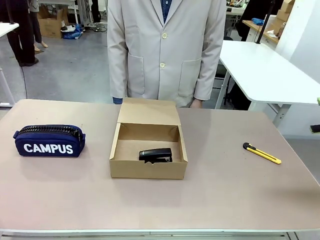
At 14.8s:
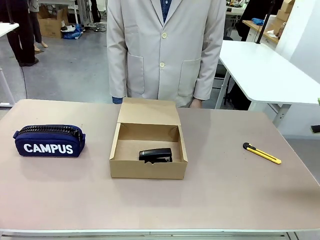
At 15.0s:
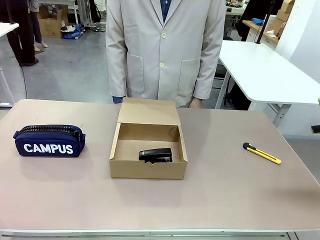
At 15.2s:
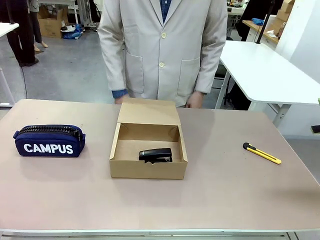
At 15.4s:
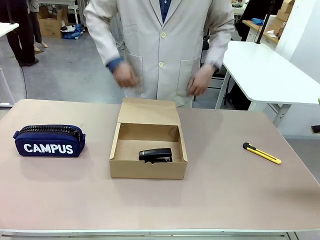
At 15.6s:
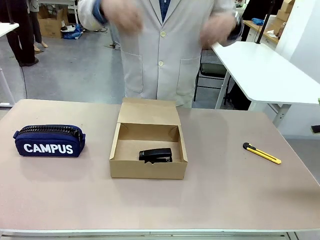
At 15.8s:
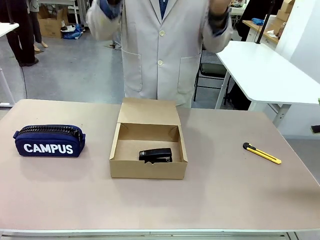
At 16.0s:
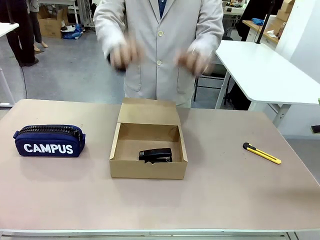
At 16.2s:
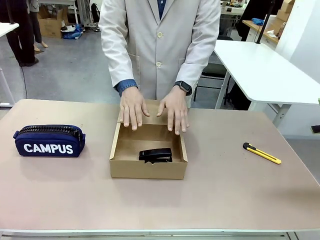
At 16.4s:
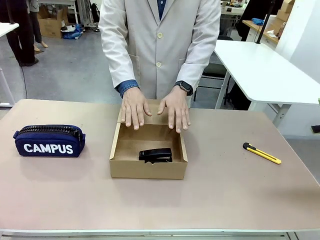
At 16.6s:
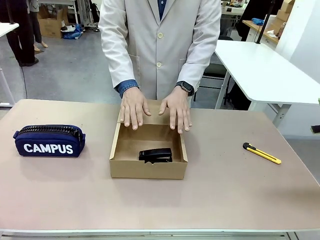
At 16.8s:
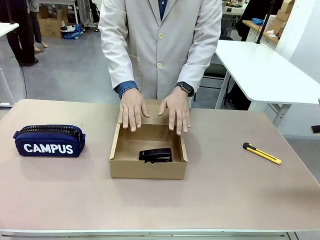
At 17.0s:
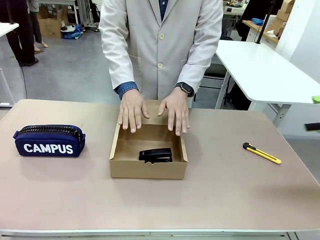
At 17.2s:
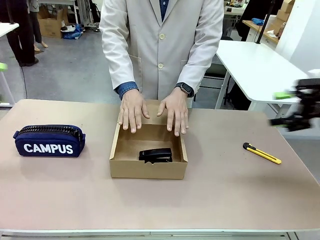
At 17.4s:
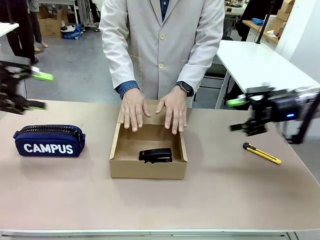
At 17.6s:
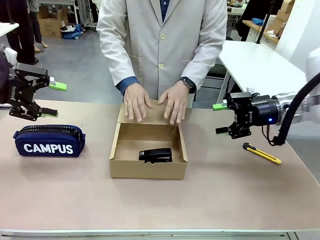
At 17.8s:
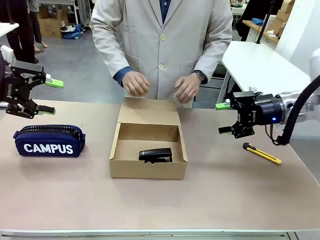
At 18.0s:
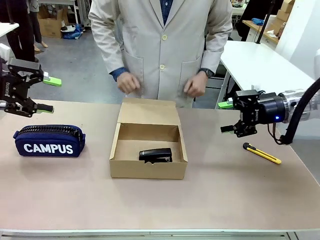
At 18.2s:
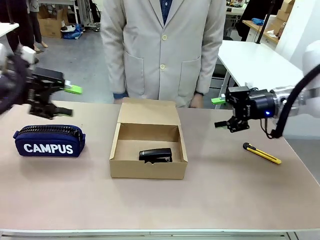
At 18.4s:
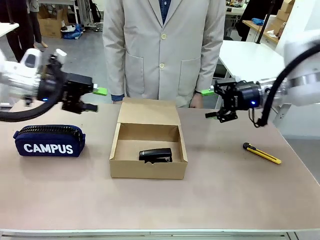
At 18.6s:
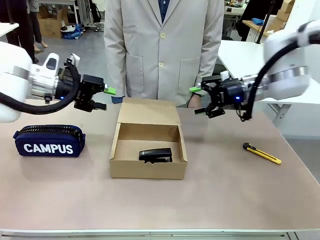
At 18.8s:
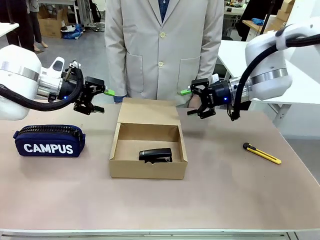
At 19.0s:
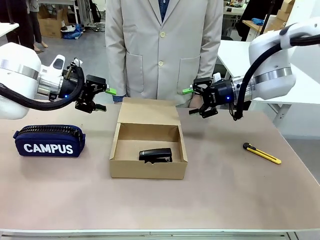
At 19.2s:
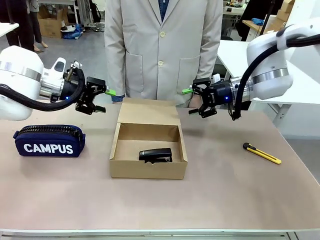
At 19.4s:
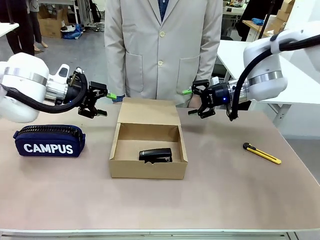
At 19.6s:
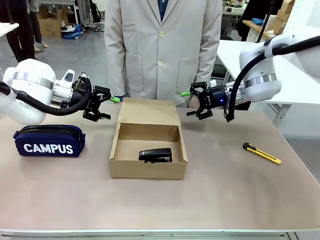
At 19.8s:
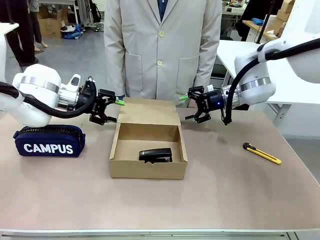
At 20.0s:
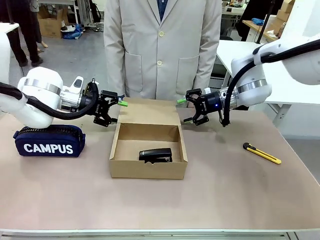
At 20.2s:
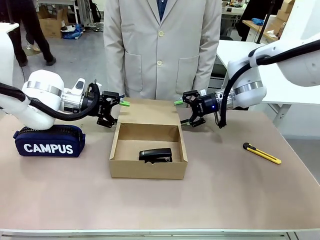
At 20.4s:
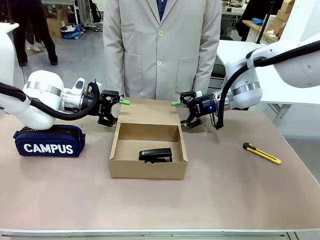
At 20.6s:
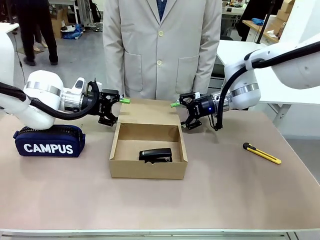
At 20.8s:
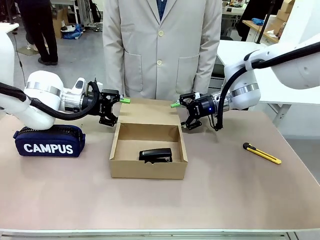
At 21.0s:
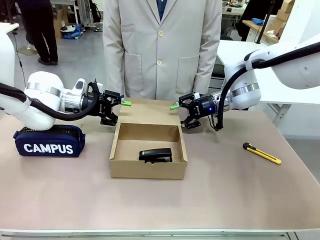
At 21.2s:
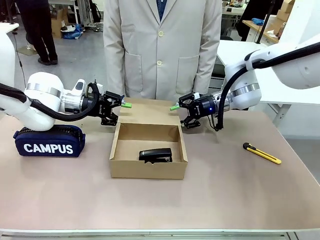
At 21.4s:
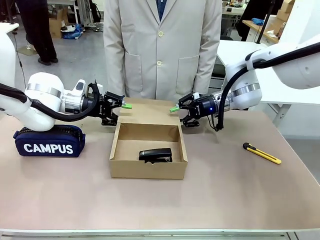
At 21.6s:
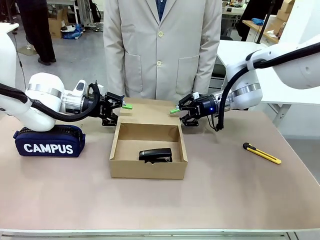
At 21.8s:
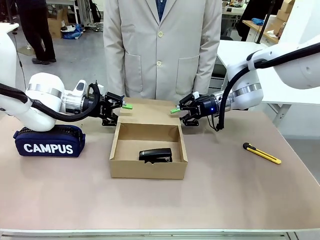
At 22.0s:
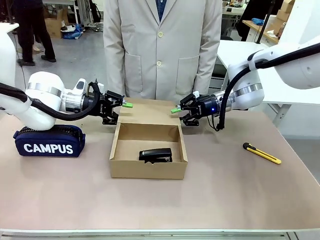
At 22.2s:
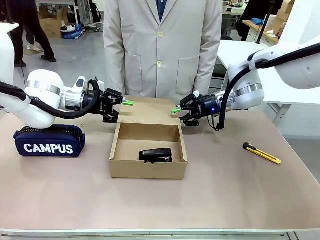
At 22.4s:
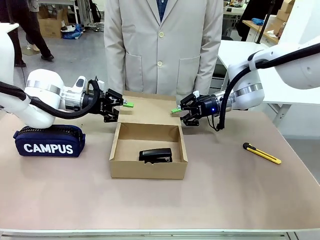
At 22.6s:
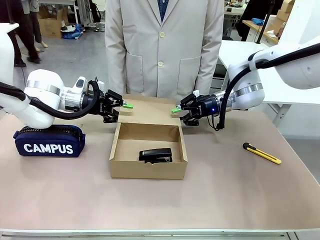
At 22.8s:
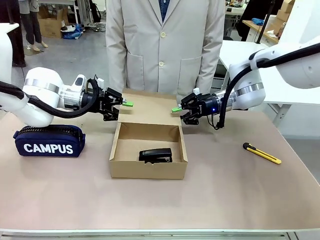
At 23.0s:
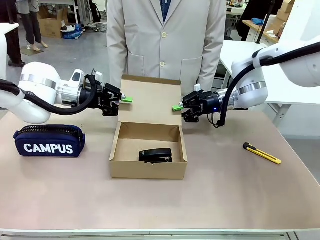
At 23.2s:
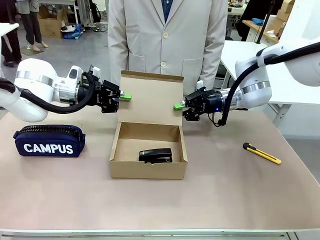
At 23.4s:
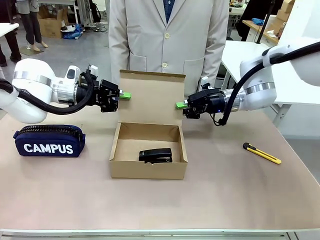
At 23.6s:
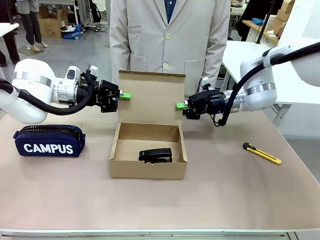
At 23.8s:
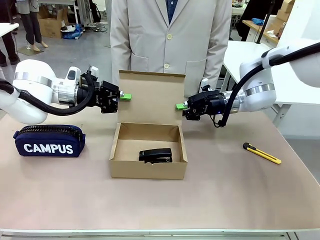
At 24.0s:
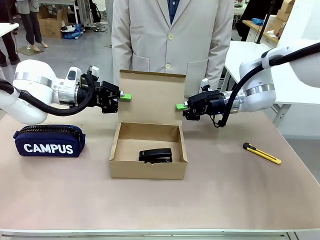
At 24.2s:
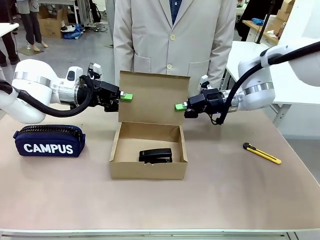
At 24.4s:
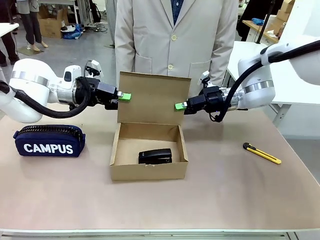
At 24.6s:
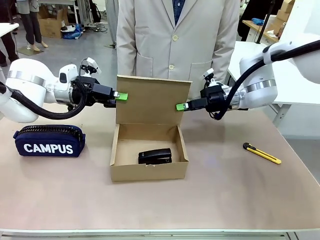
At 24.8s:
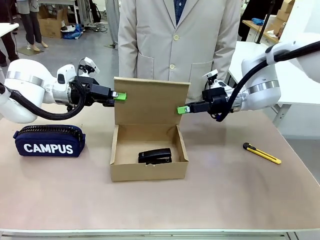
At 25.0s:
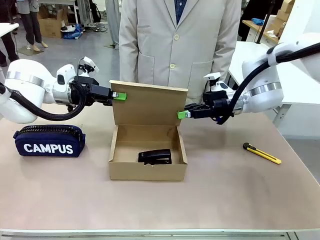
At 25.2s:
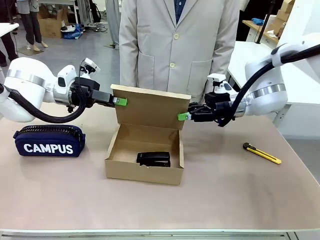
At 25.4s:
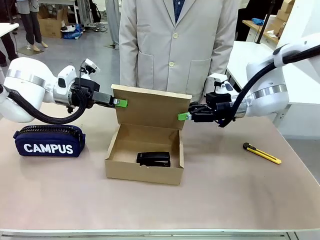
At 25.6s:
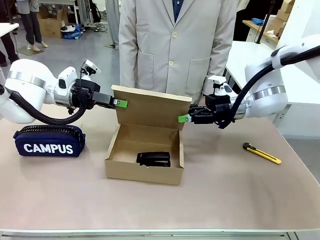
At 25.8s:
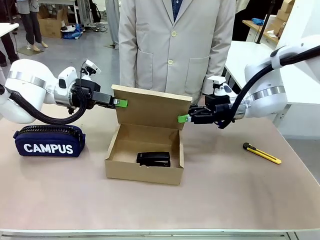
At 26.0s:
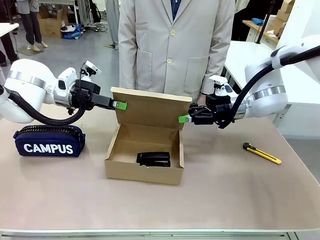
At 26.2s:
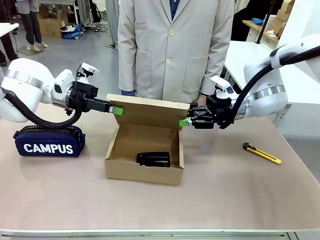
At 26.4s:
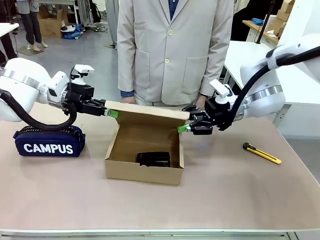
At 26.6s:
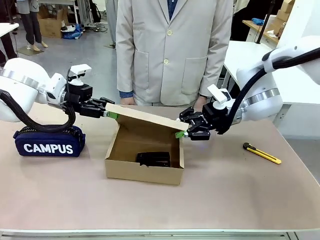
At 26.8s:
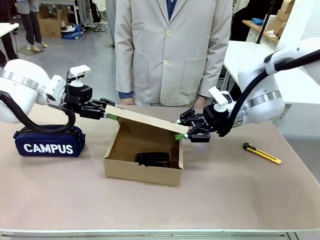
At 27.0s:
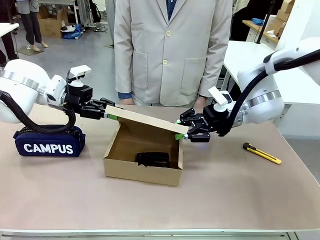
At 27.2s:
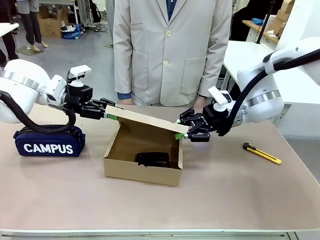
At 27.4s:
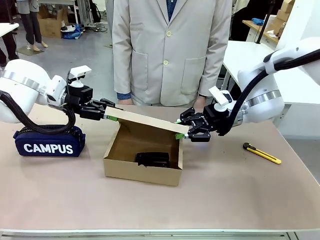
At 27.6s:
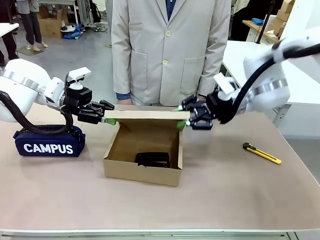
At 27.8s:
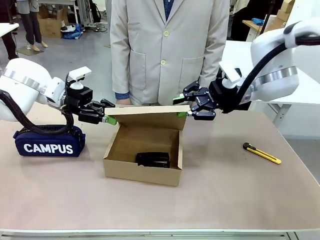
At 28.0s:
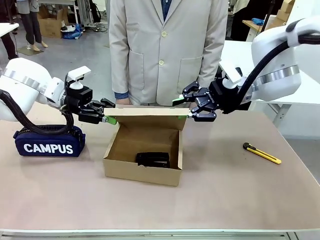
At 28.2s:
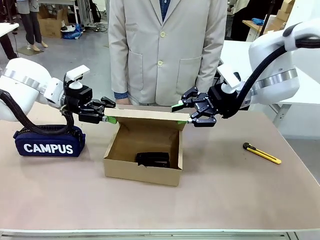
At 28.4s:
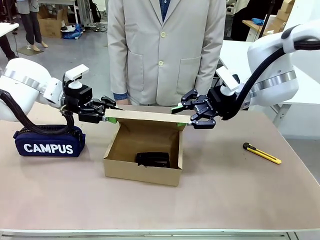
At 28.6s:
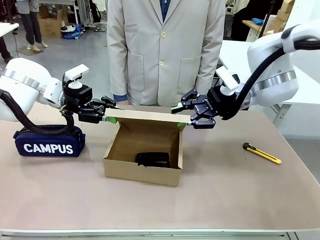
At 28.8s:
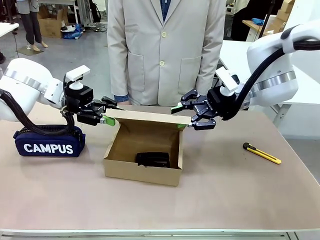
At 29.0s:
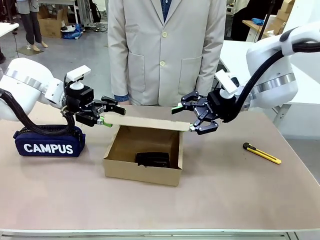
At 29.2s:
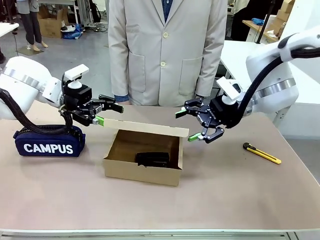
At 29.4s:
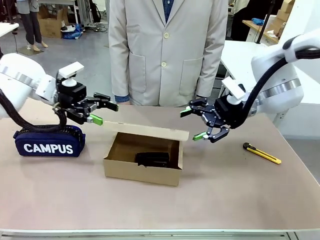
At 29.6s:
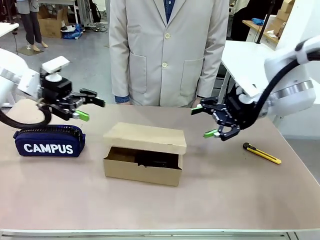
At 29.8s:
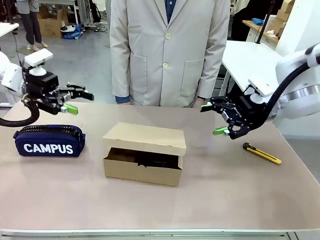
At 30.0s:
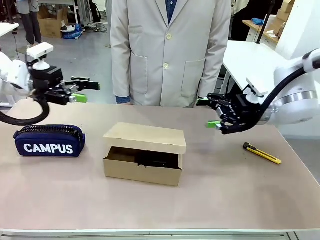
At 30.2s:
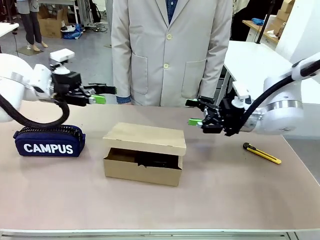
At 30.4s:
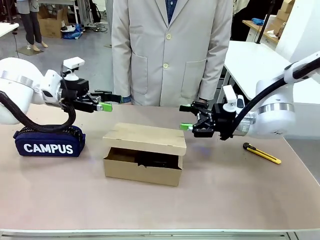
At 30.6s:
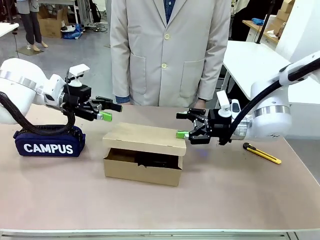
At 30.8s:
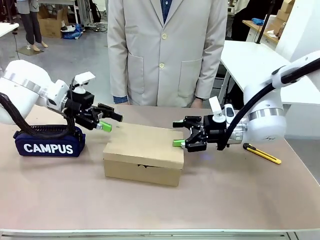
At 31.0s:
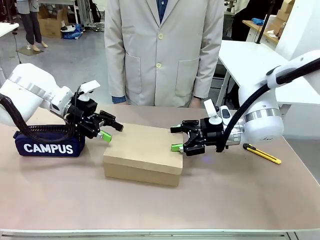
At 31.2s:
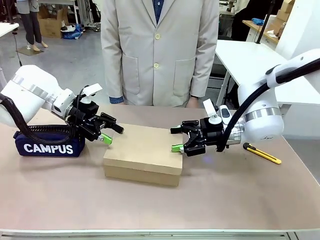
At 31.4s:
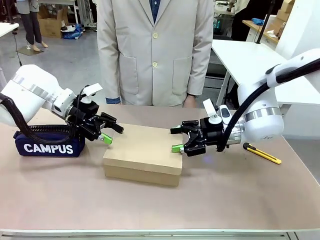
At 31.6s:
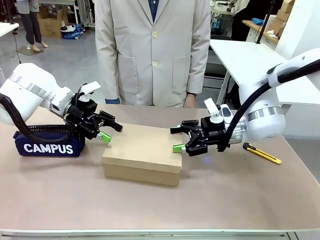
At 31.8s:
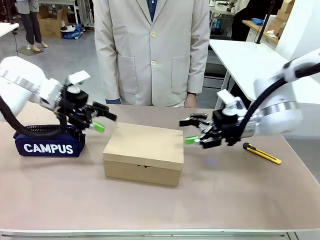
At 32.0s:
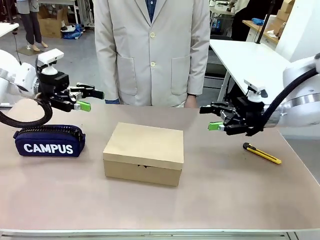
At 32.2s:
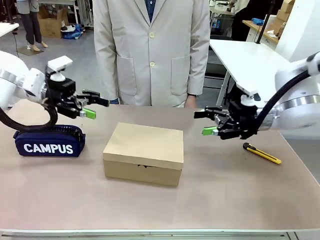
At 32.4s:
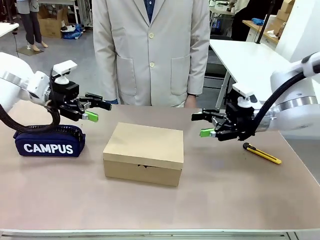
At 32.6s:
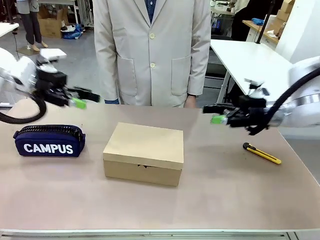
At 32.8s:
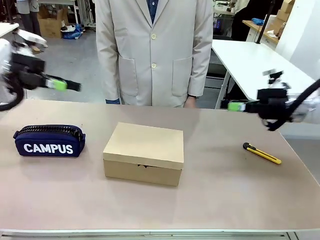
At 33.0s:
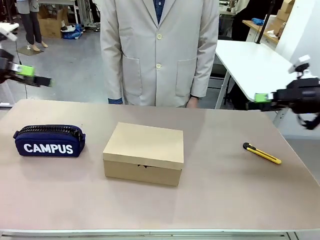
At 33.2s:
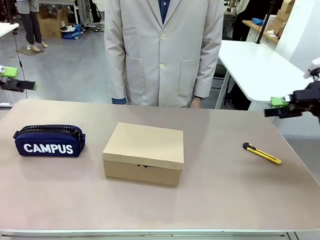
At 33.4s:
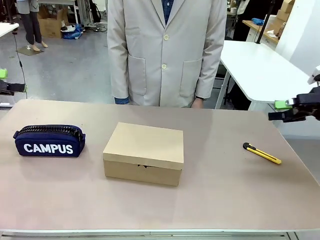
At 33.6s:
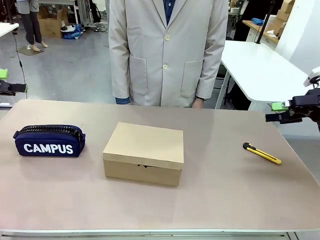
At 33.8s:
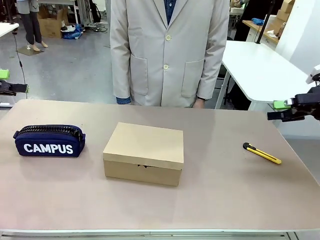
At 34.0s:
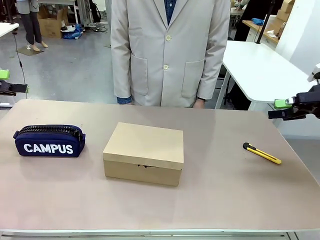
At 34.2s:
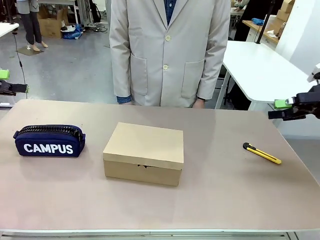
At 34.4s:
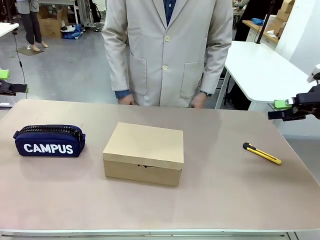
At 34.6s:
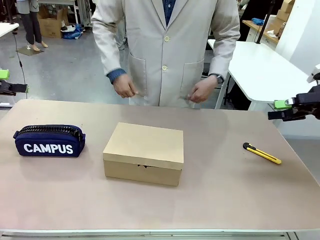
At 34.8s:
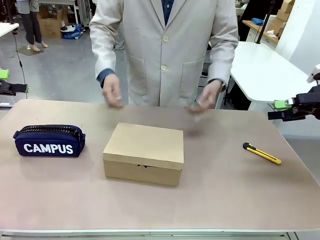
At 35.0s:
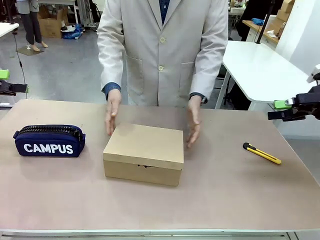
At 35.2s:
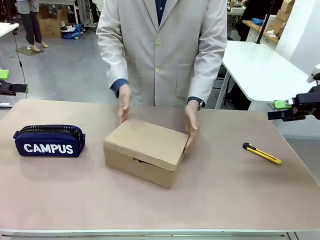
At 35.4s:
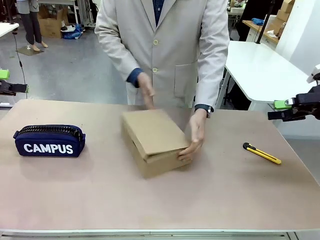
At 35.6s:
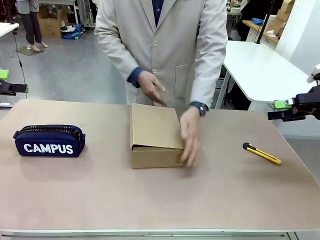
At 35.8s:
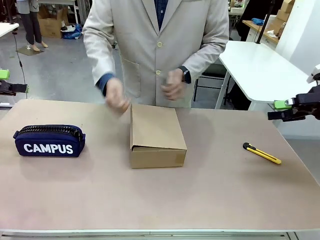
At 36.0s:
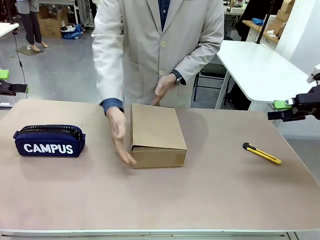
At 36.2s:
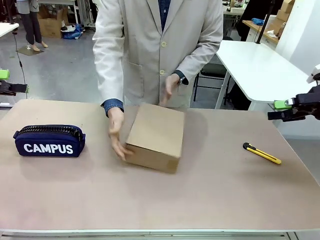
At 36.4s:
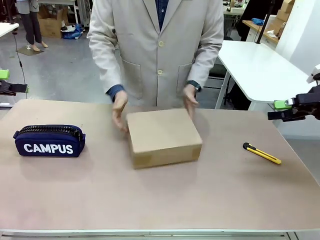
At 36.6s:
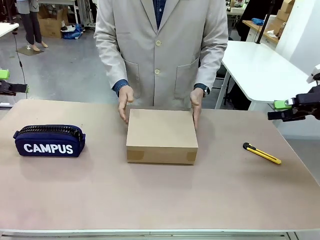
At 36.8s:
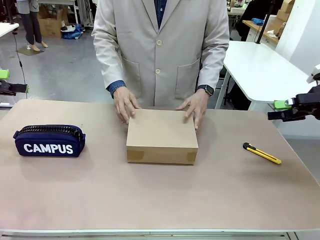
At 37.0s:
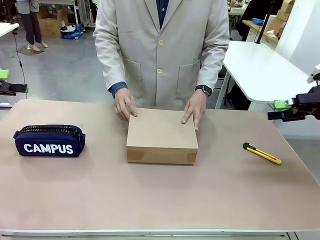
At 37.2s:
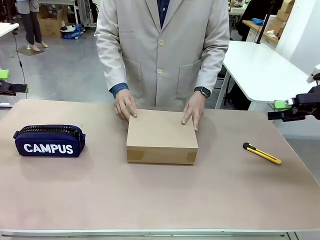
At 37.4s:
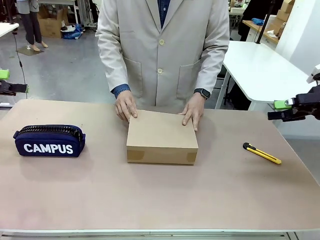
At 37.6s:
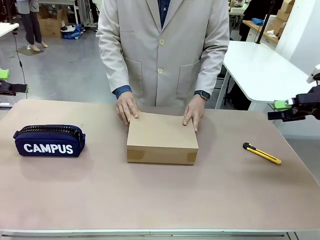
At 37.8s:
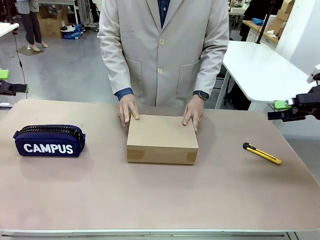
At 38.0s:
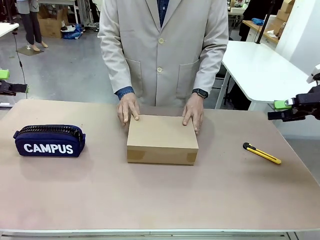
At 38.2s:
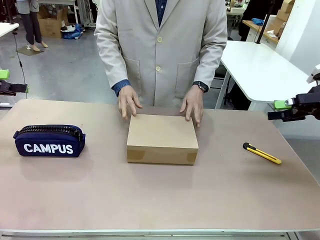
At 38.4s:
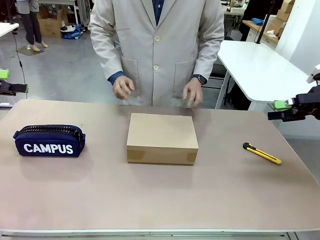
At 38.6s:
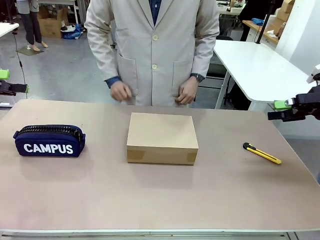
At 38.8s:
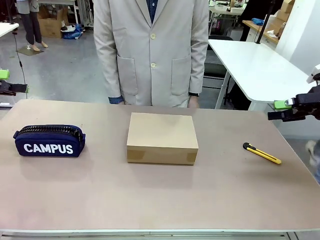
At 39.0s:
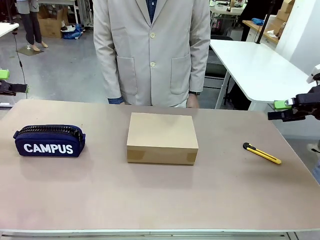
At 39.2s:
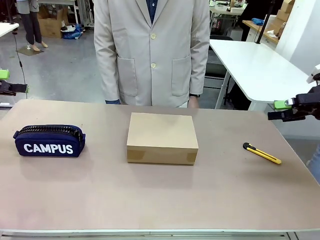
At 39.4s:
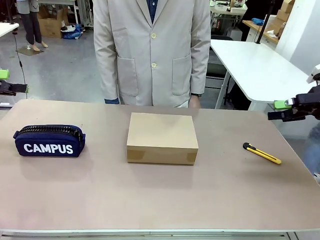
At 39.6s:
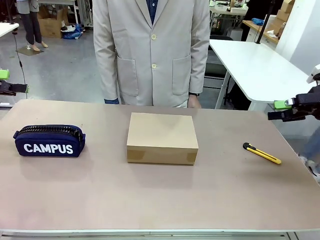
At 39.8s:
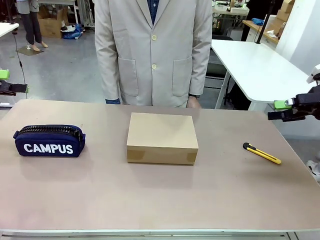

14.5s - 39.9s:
Task: Pack the item into the box.
Robot: Close the Mailer Box.
Person: Lower both hands vertically with palms facing downward, as if pressing something closed. Turn the box and lock it.
